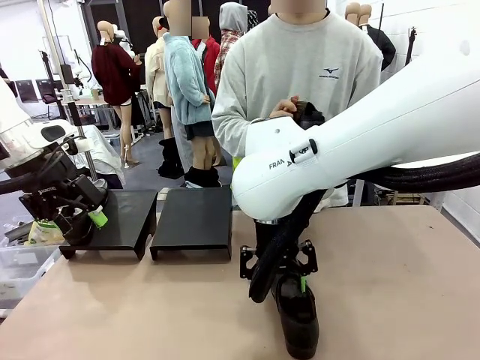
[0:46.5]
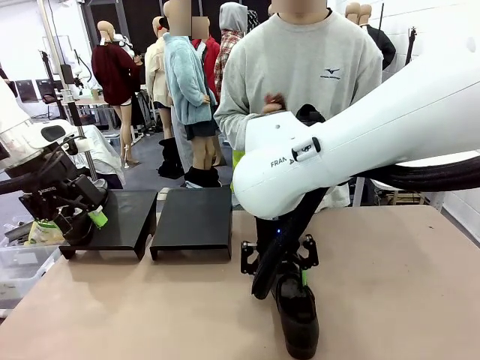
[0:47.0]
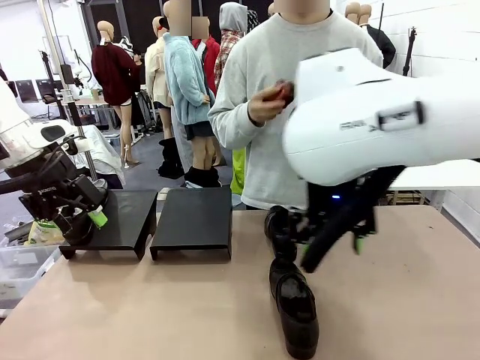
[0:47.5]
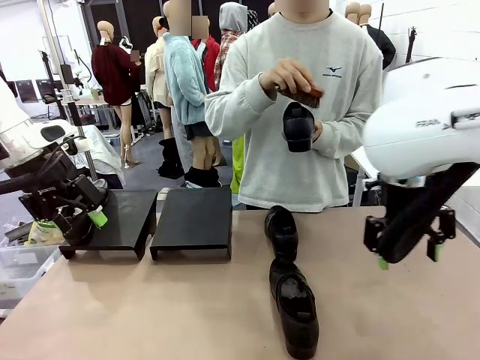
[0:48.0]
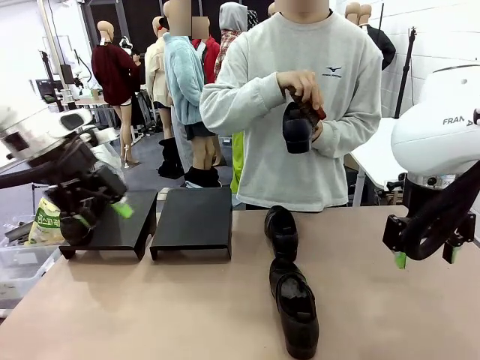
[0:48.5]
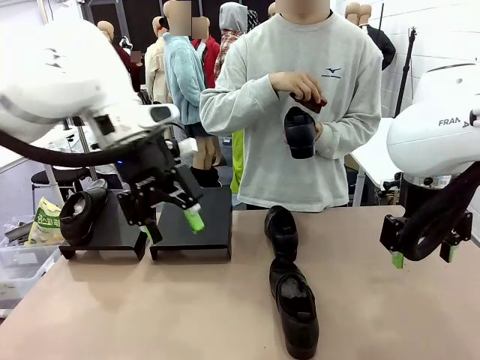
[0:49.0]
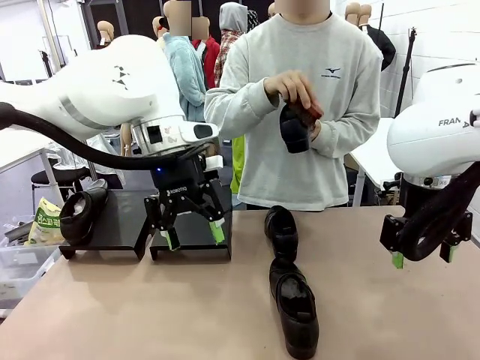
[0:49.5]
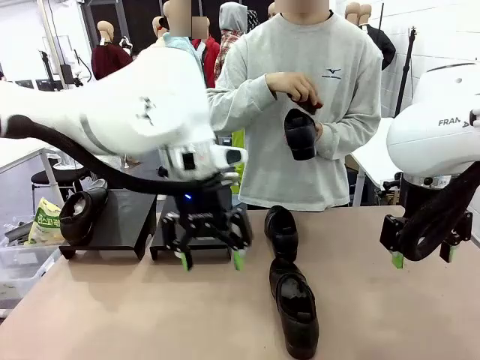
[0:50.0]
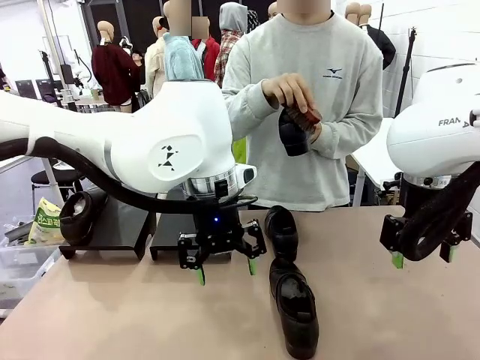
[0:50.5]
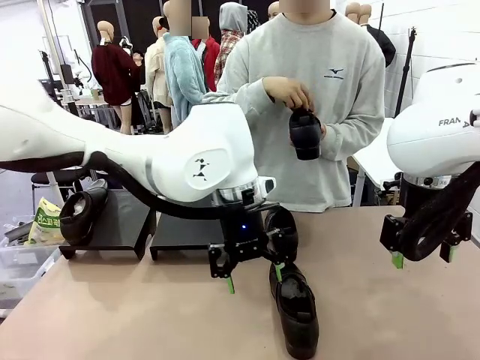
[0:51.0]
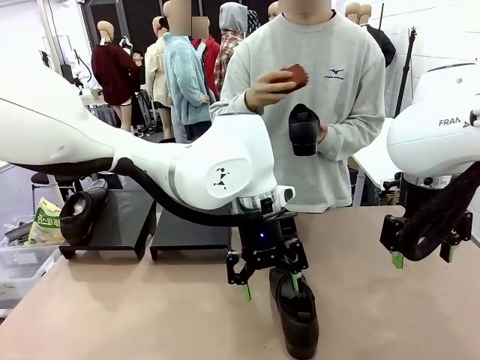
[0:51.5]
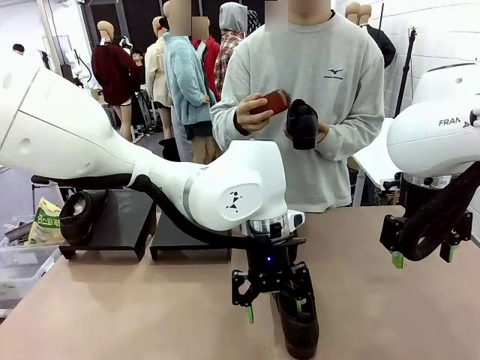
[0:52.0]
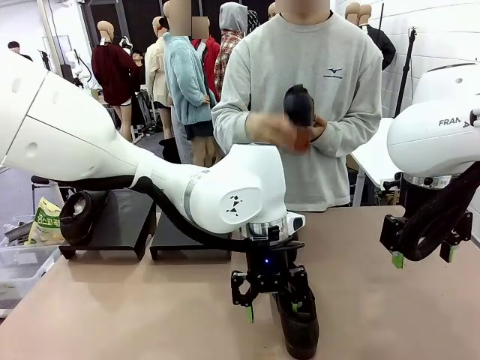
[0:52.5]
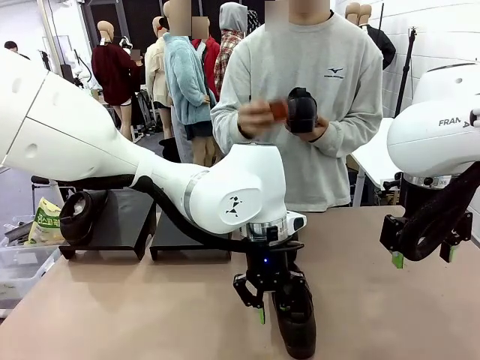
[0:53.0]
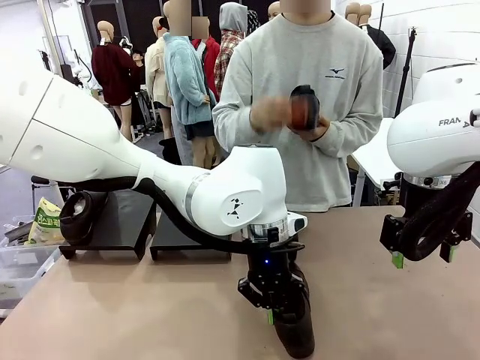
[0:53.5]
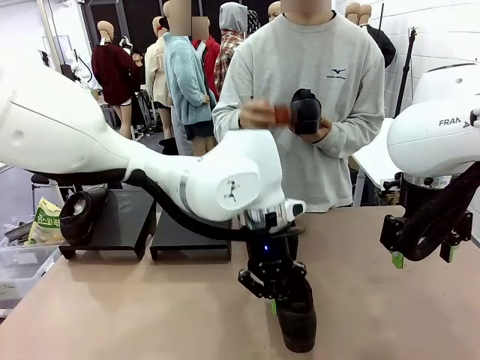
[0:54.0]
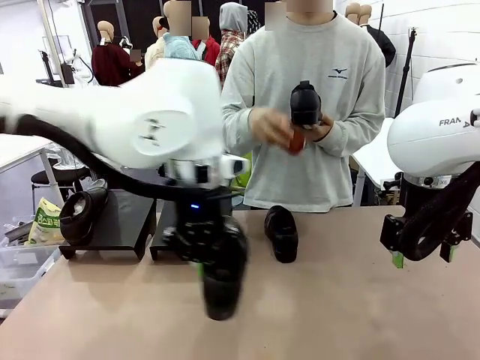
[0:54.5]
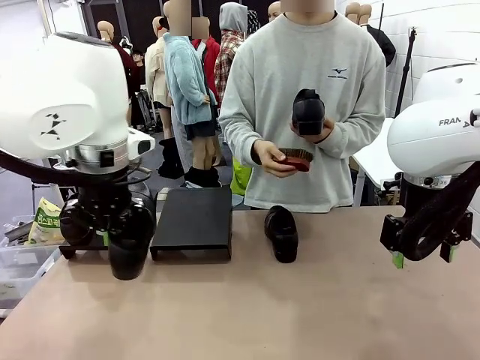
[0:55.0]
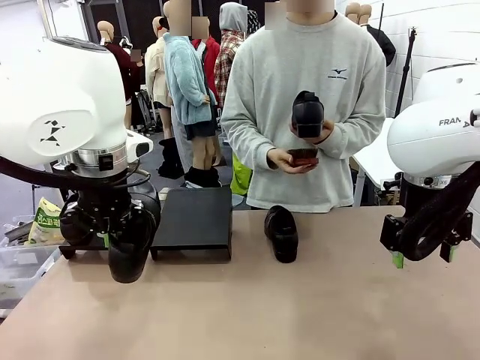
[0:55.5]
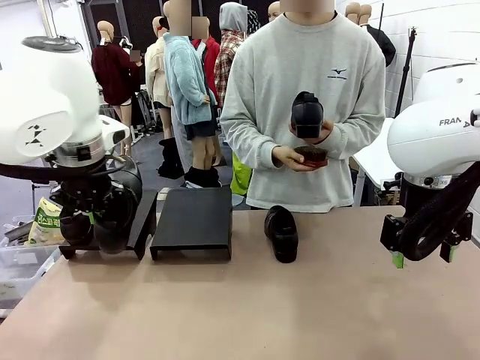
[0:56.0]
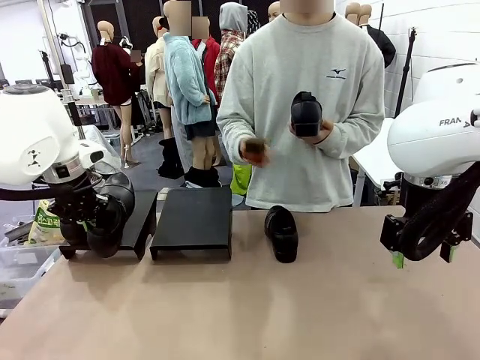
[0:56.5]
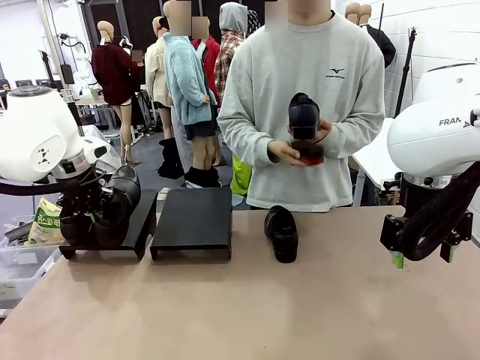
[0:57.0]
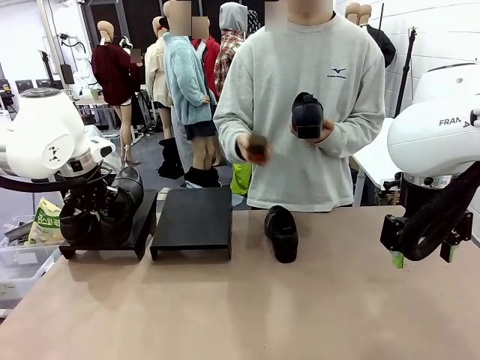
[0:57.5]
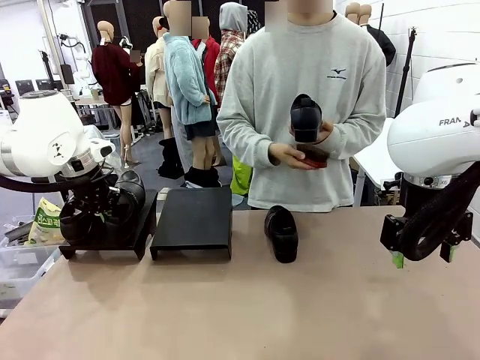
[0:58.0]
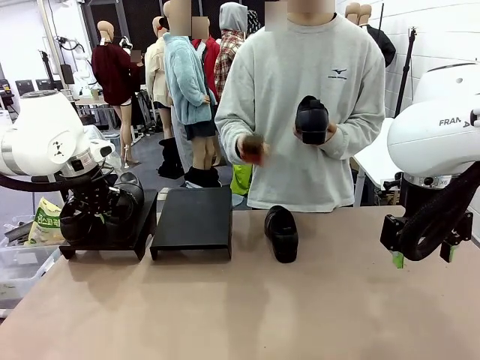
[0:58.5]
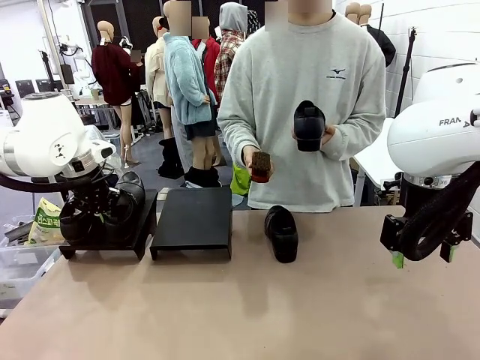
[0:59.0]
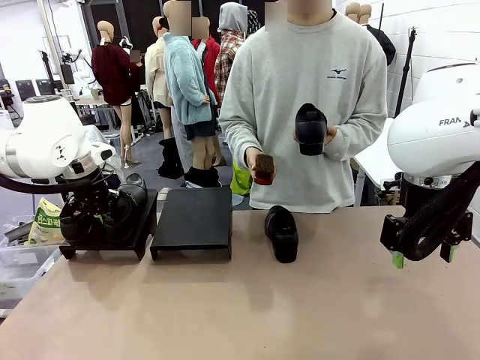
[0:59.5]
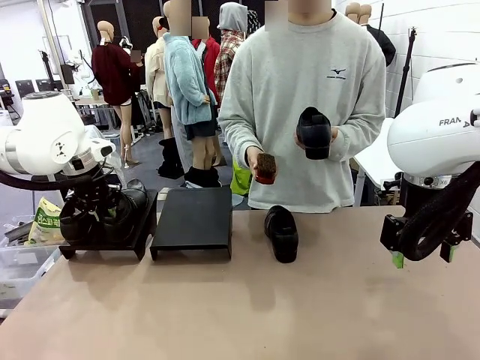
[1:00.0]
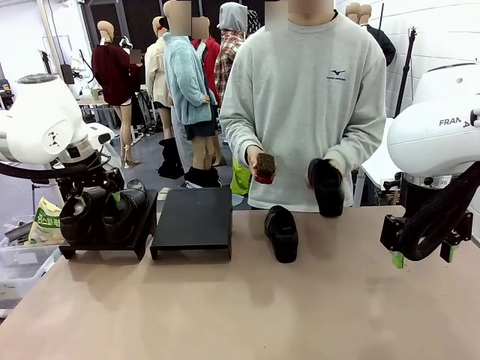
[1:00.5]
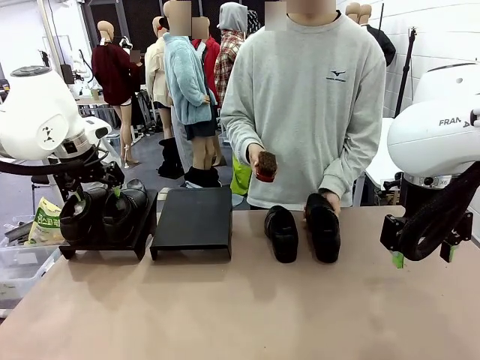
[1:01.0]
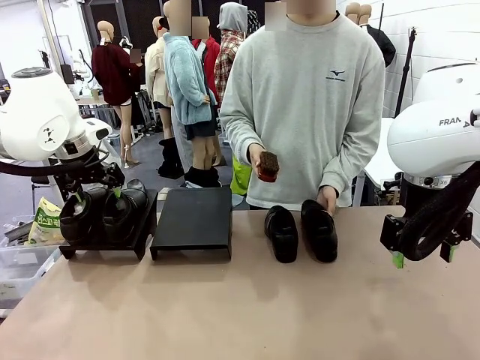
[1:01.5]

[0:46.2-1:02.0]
Task: Organize the shoes by placing them on the stand.
Robot: Place the Shoe from the middle of the table onto the Shoes Stand.
Person: Clean the Shoe with the Shoe Brush.

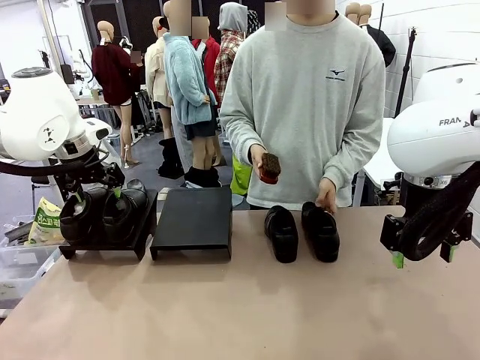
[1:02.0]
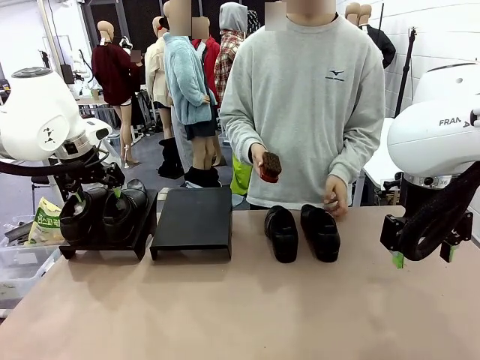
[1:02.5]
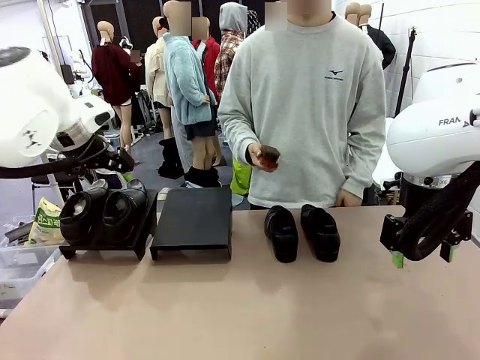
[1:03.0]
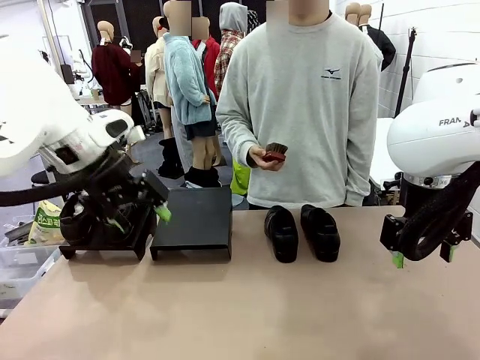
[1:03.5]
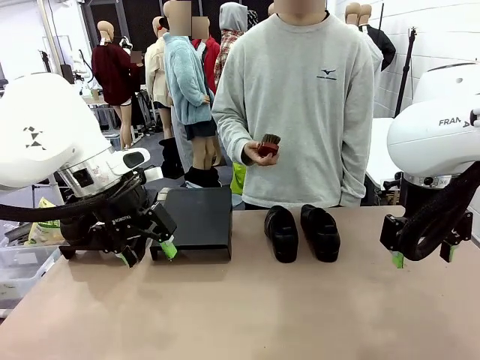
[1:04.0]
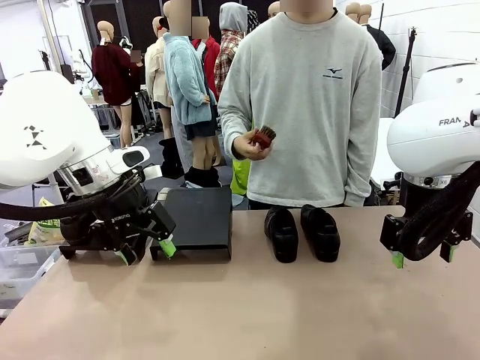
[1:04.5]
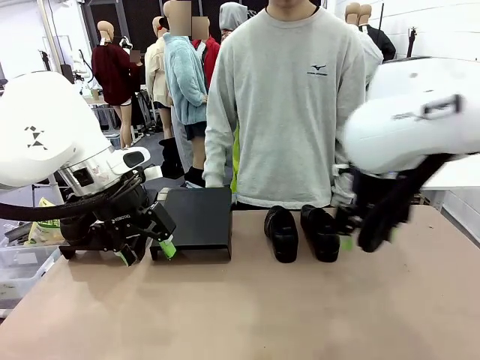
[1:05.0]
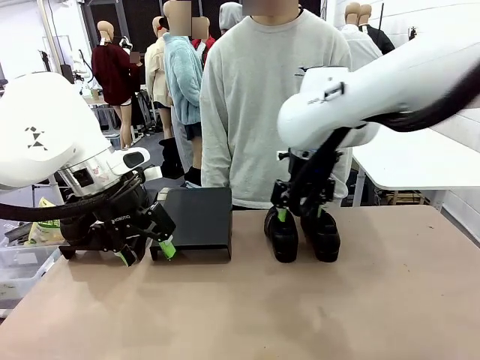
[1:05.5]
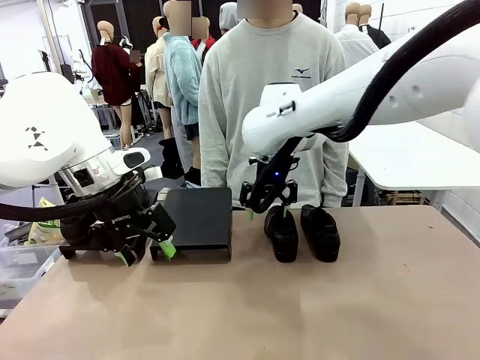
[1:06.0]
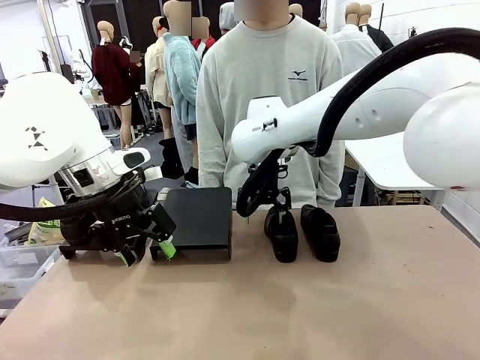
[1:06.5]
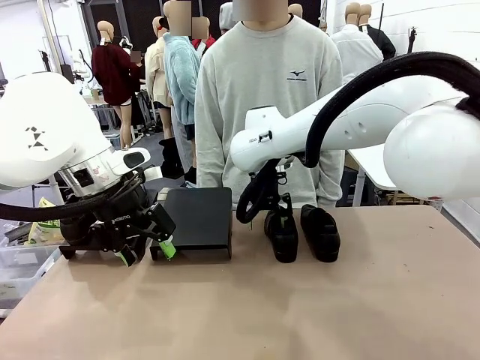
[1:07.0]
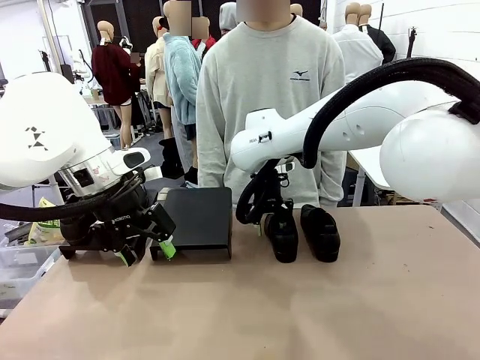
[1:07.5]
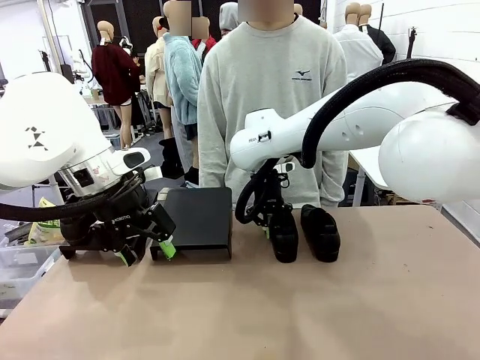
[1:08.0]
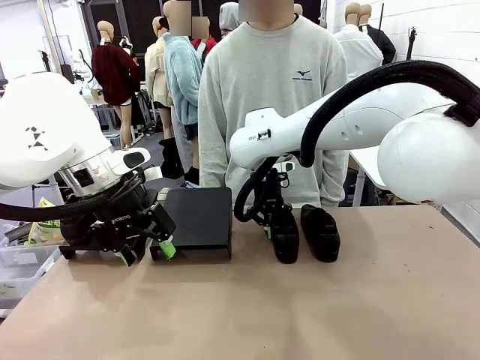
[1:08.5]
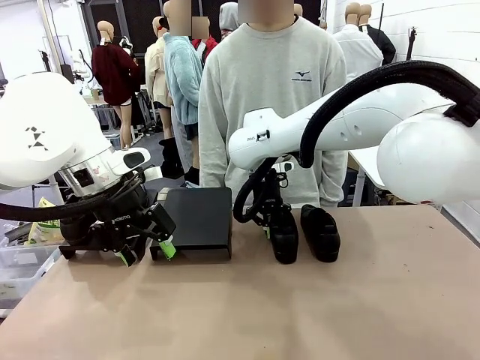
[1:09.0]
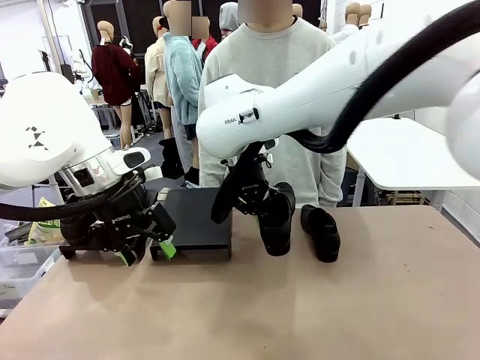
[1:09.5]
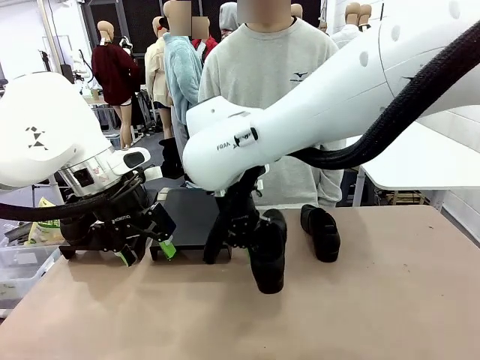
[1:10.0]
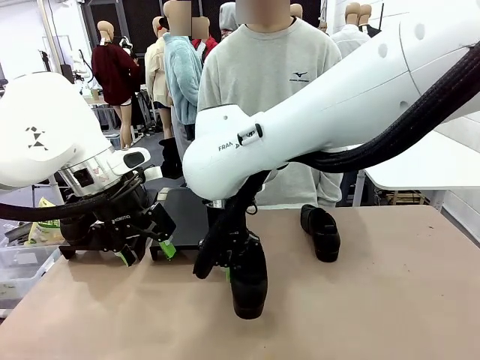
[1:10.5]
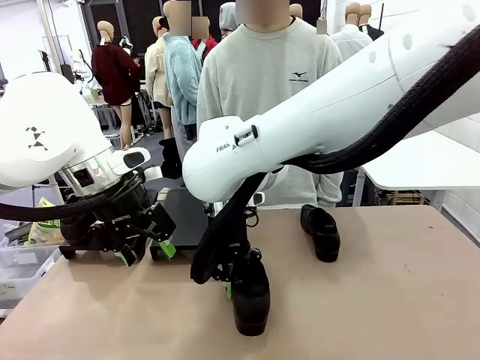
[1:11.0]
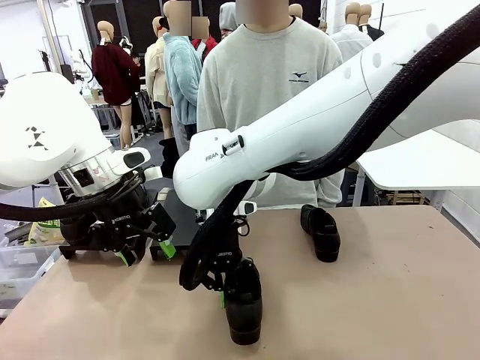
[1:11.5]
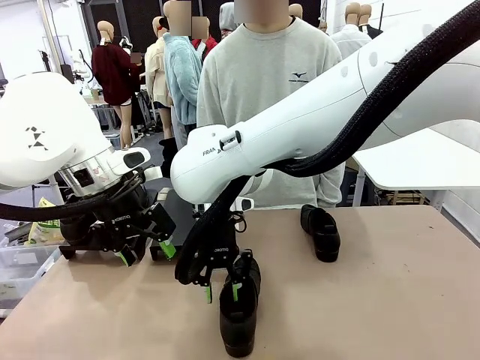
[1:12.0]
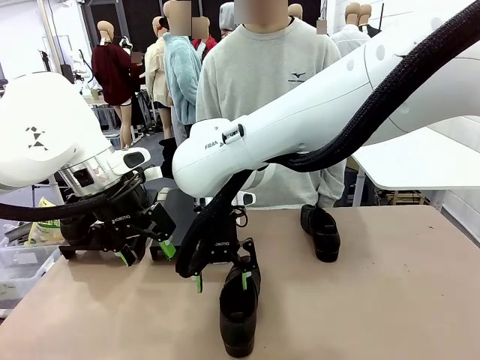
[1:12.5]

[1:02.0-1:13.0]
Robot: Pick up one Shoe and place it in the middle of the table.
